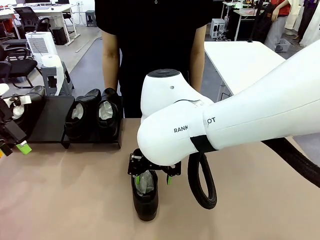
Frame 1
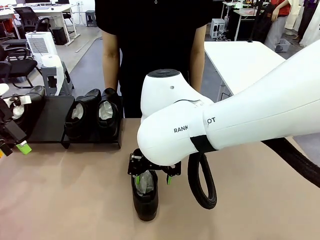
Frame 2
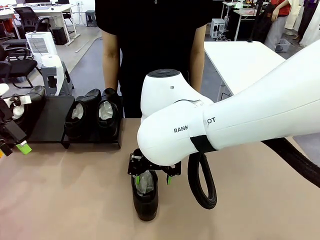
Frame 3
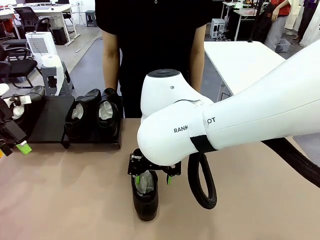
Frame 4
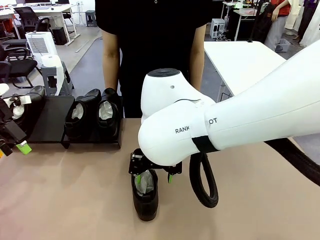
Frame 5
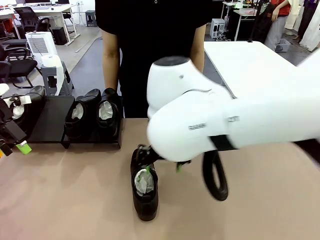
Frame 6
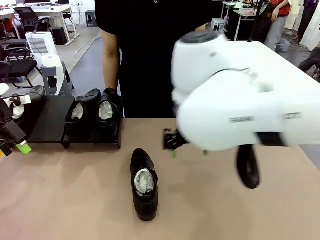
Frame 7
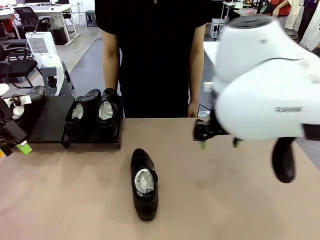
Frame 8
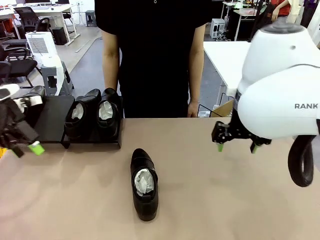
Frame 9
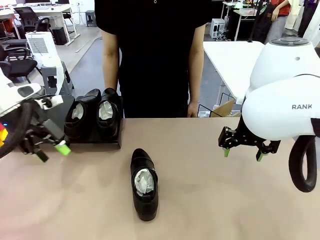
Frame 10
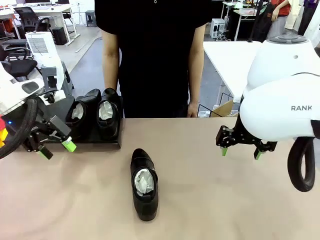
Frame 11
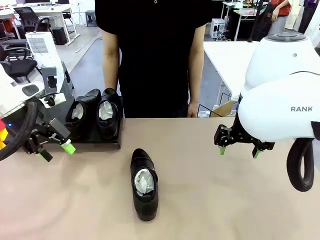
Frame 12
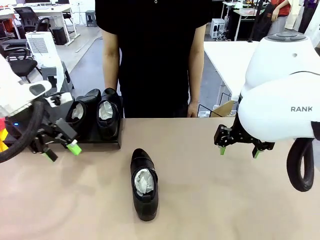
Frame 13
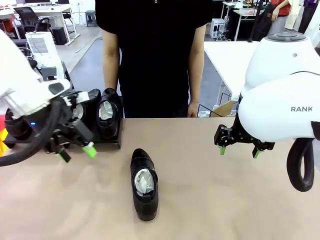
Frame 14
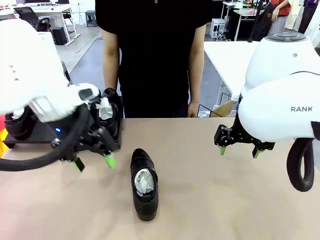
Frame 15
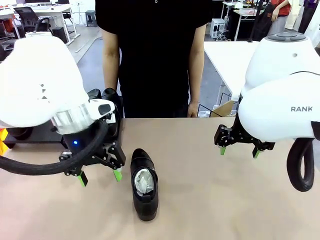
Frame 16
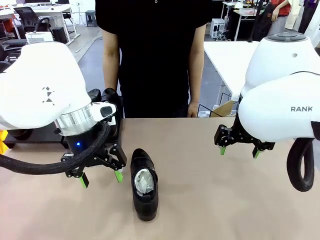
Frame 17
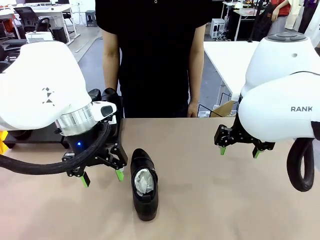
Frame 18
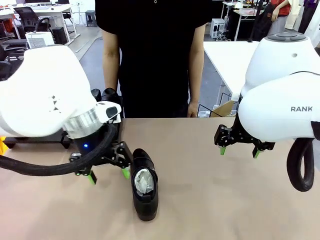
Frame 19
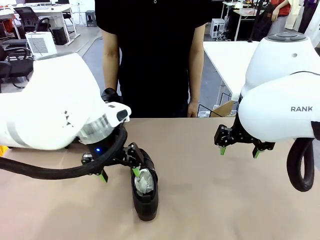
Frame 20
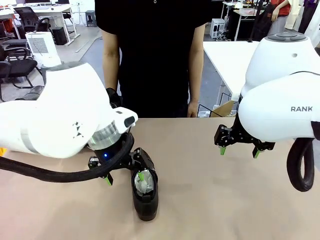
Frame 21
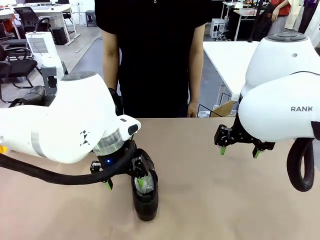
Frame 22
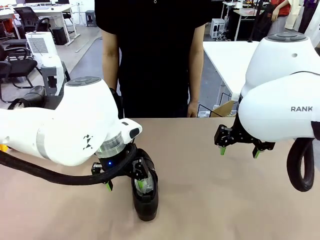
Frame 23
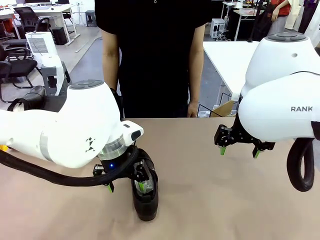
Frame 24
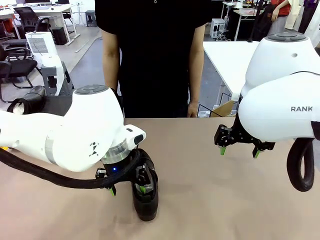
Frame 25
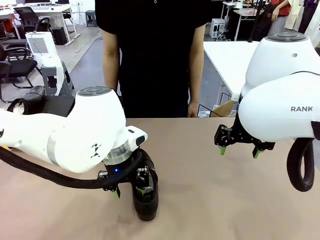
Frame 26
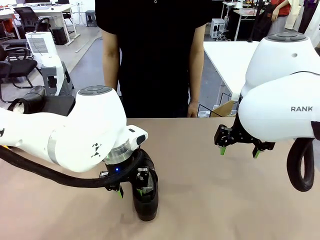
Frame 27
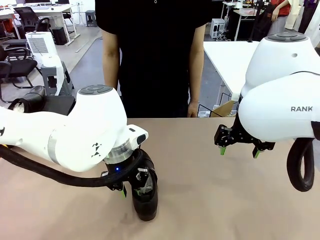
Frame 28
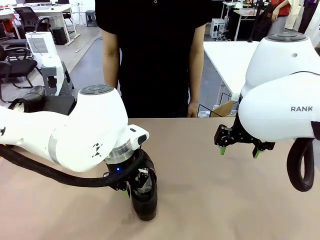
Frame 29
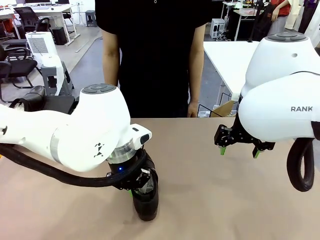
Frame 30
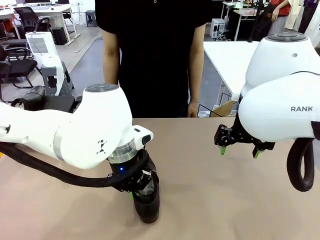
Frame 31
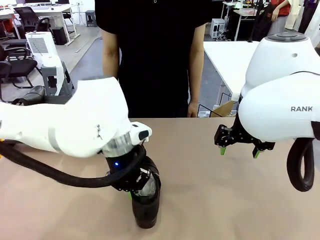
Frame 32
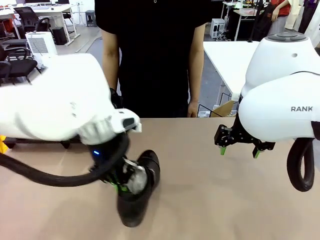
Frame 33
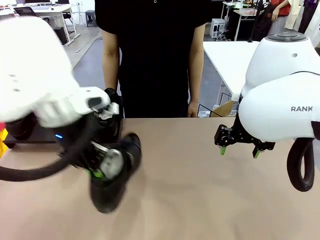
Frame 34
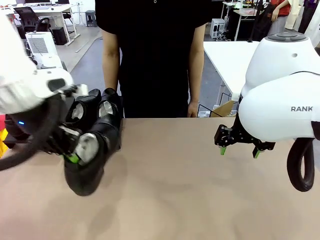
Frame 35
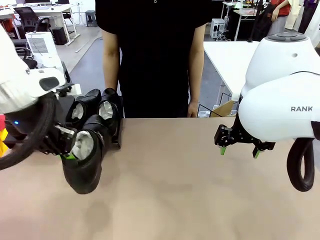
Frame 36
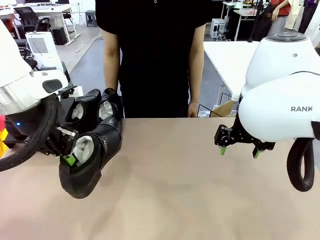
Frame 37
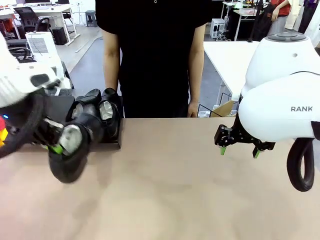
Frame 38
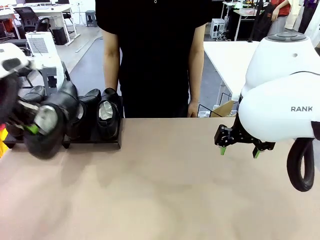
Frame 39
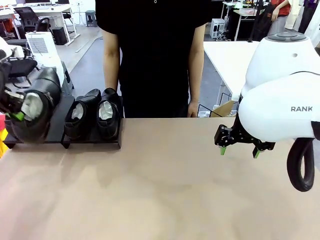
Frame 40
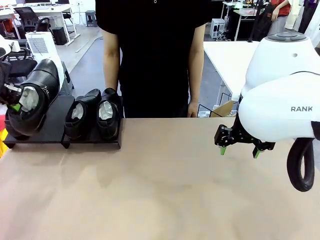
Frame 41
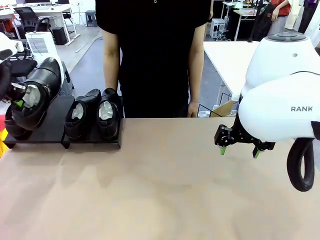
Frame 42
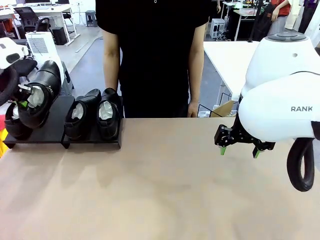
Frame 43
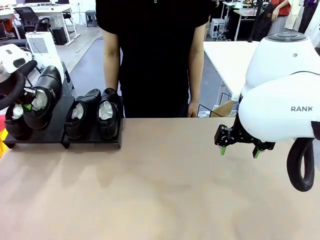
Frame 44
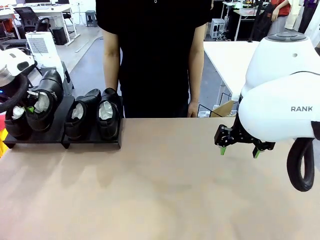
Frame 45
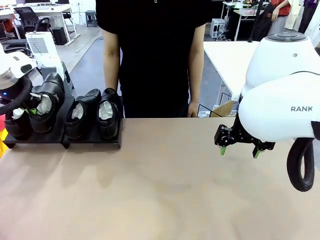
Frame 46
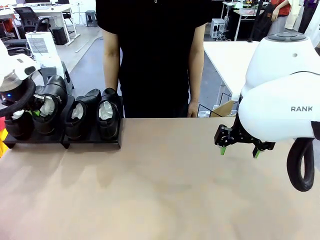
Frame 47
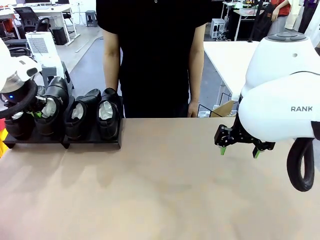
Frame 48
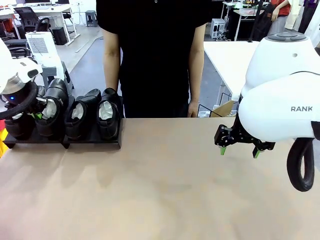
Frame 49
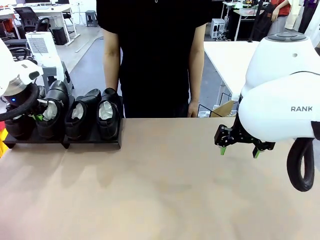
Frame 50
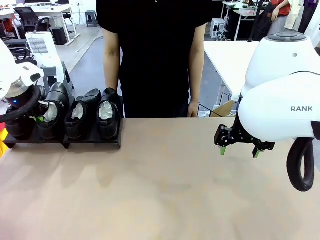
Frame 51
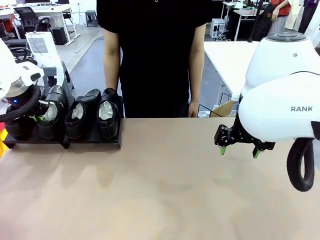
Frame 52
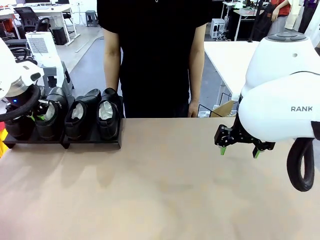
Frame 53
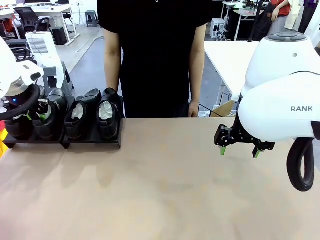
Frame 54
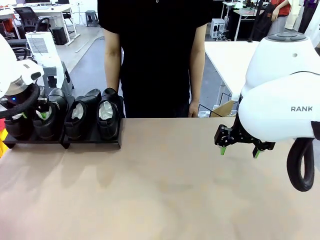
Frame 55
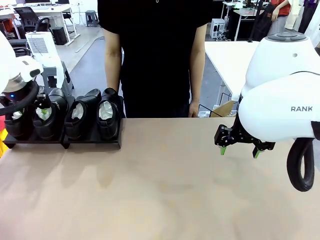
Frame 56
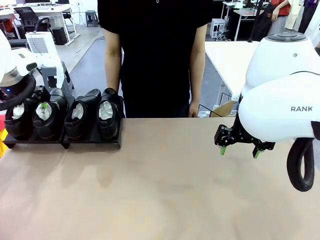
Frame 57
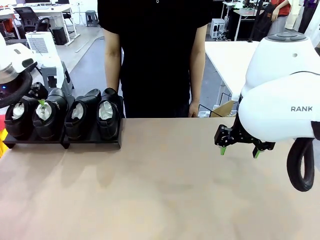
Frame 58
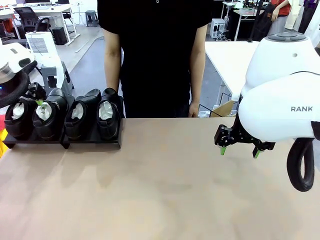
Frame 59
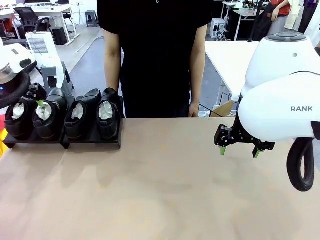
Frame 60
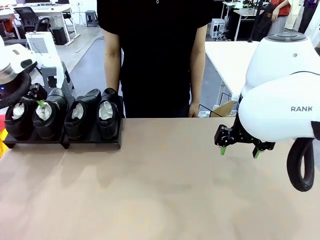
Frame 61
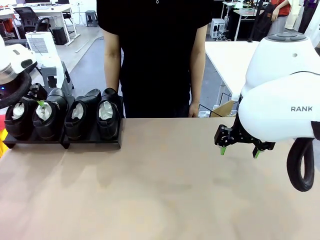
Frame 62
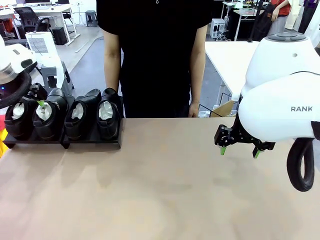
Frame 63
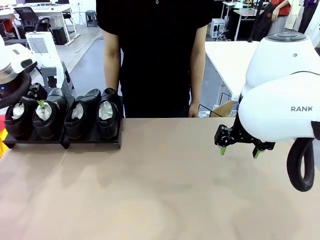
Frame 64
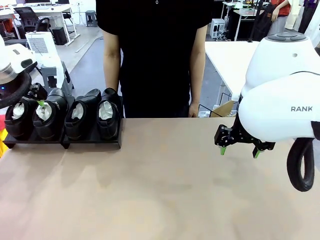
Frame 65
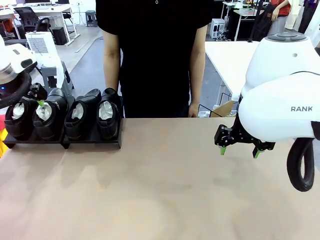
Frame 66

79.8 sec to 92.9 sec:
Task: Organize the shoes by placing them on the stand.
Robot: Place the Shoe from the middle of the table onto the Shoes Stand.
